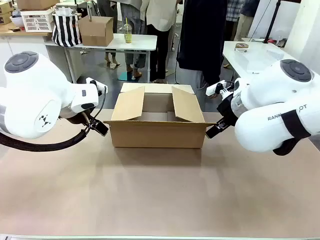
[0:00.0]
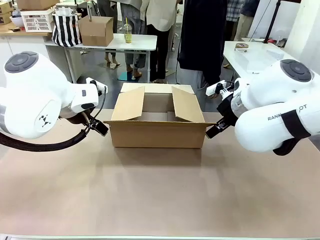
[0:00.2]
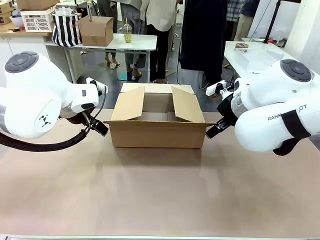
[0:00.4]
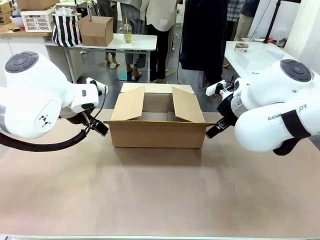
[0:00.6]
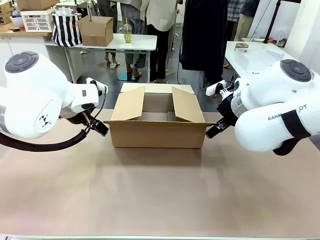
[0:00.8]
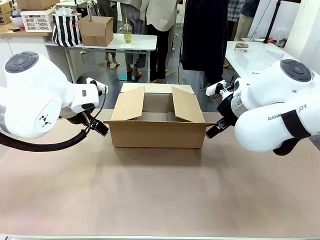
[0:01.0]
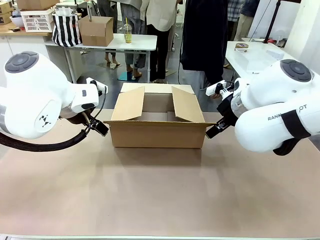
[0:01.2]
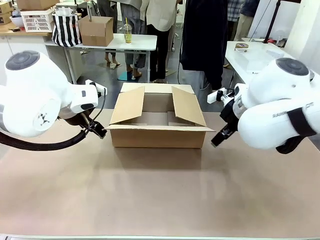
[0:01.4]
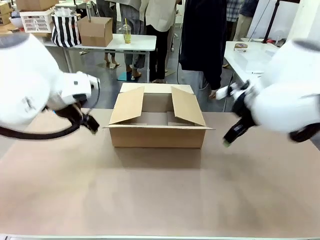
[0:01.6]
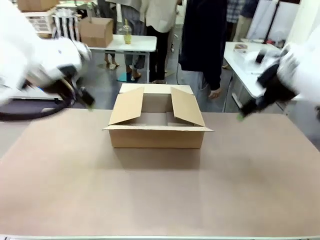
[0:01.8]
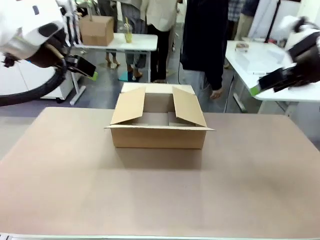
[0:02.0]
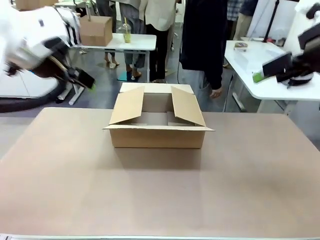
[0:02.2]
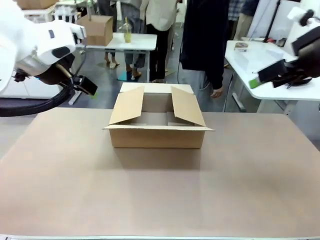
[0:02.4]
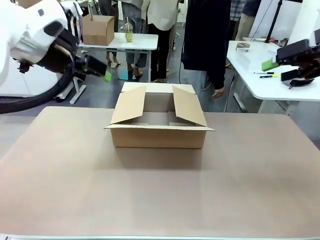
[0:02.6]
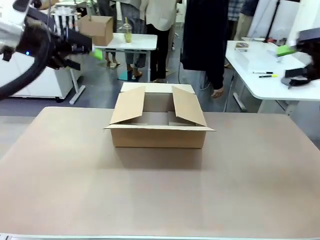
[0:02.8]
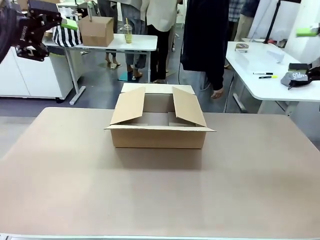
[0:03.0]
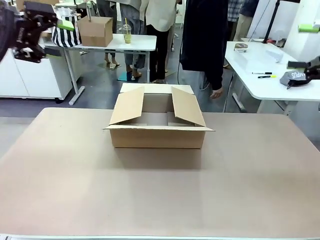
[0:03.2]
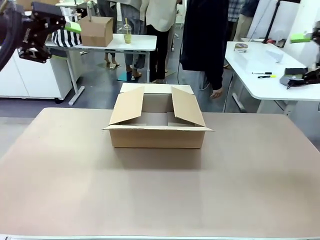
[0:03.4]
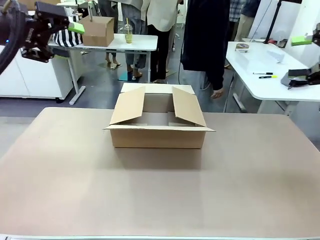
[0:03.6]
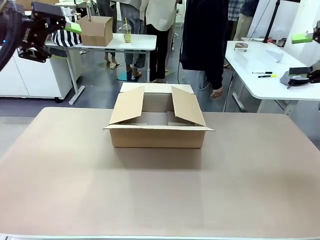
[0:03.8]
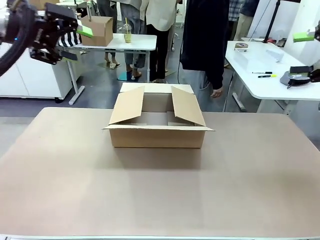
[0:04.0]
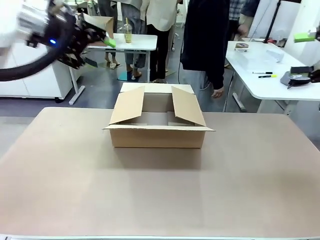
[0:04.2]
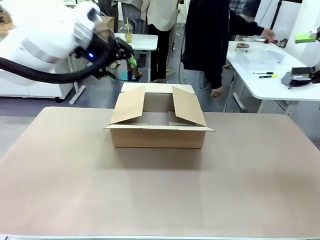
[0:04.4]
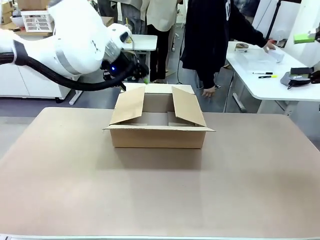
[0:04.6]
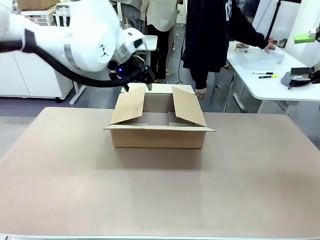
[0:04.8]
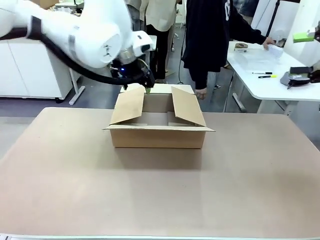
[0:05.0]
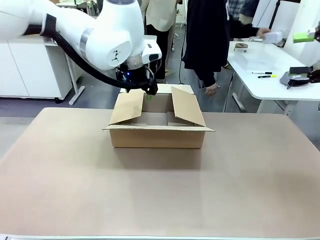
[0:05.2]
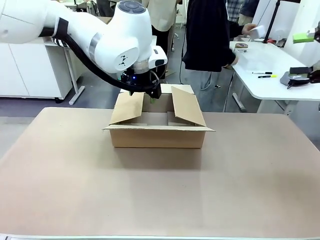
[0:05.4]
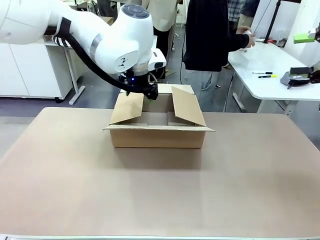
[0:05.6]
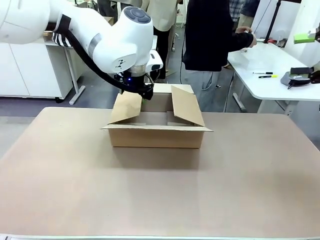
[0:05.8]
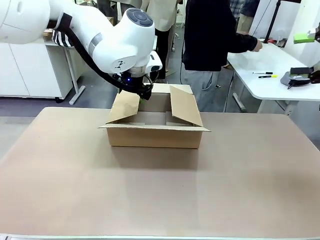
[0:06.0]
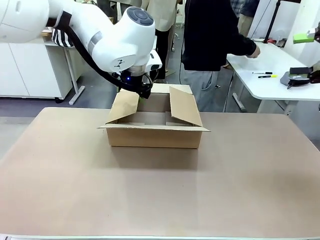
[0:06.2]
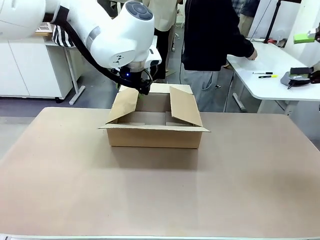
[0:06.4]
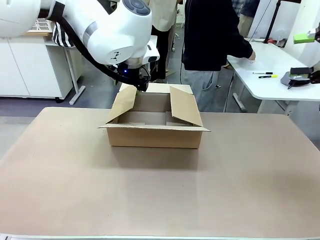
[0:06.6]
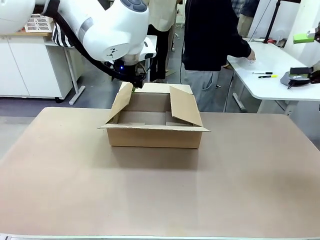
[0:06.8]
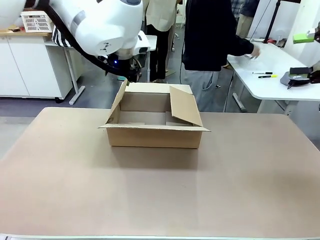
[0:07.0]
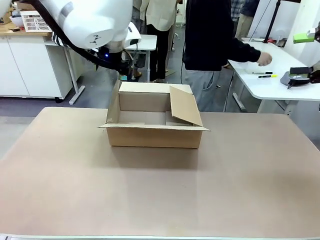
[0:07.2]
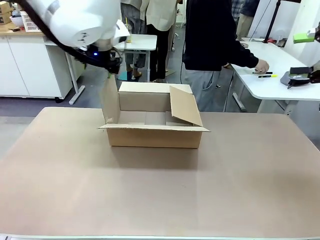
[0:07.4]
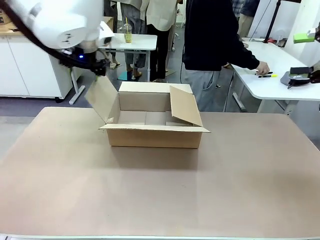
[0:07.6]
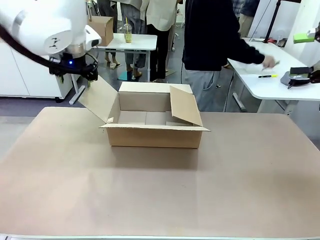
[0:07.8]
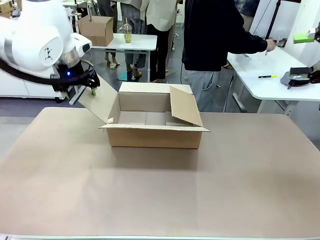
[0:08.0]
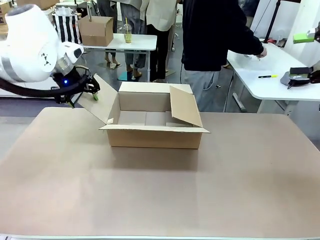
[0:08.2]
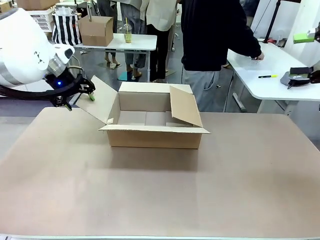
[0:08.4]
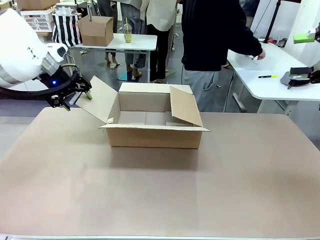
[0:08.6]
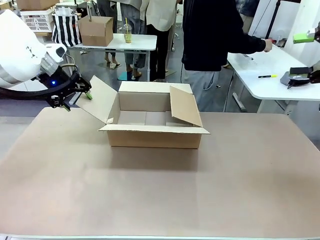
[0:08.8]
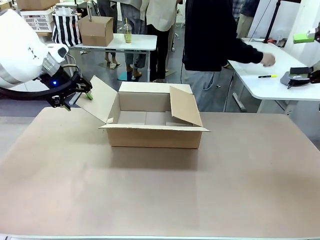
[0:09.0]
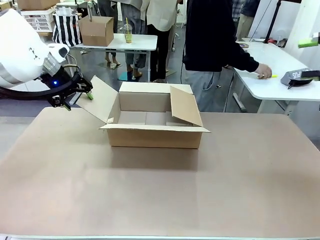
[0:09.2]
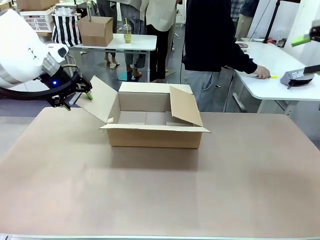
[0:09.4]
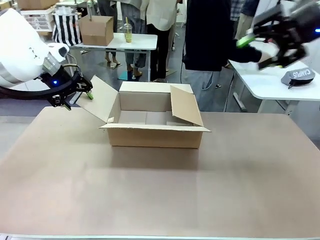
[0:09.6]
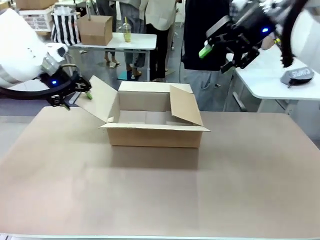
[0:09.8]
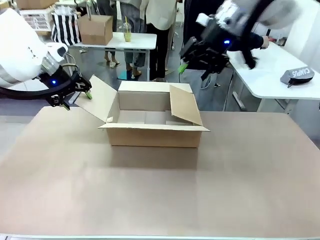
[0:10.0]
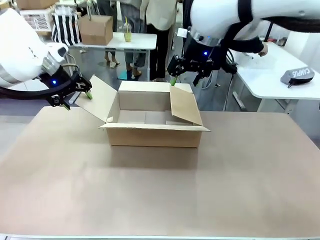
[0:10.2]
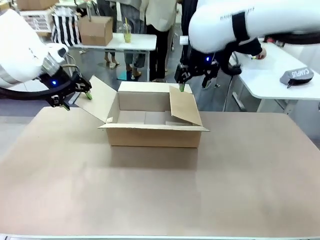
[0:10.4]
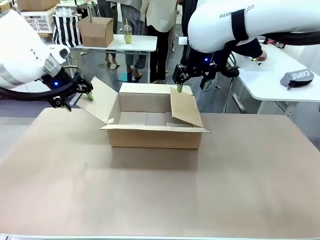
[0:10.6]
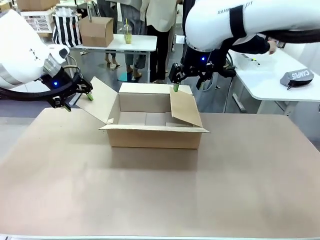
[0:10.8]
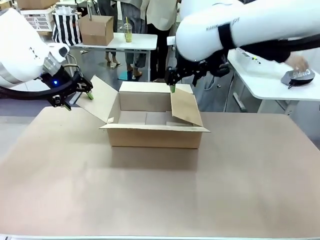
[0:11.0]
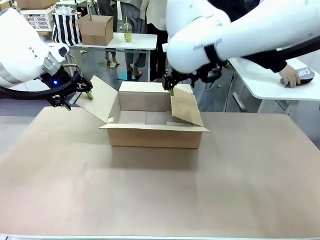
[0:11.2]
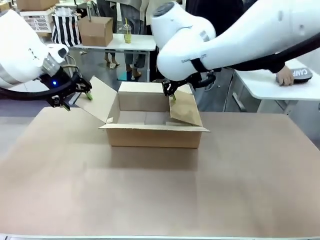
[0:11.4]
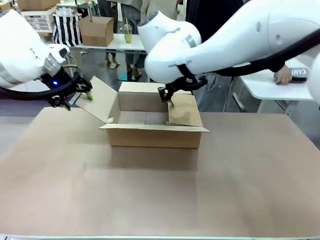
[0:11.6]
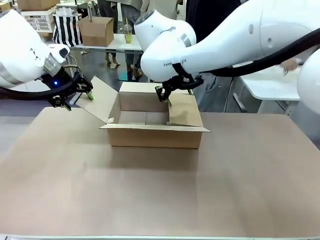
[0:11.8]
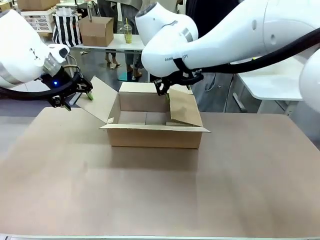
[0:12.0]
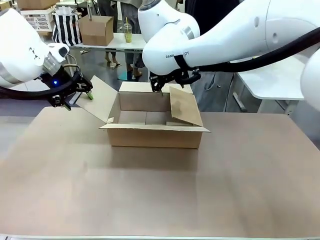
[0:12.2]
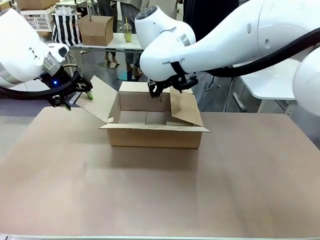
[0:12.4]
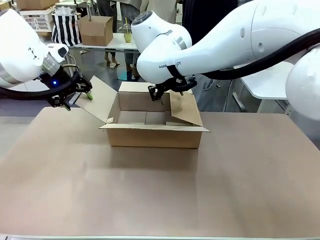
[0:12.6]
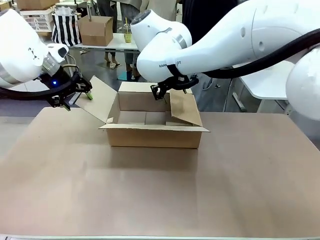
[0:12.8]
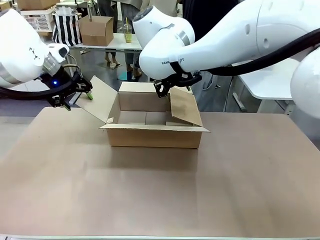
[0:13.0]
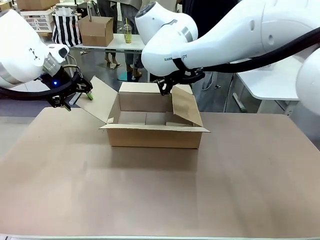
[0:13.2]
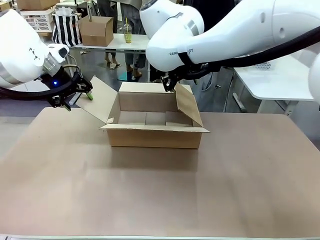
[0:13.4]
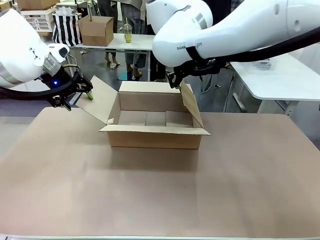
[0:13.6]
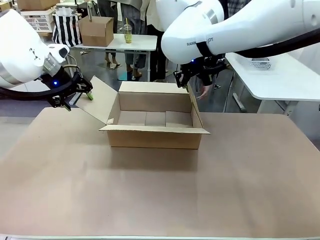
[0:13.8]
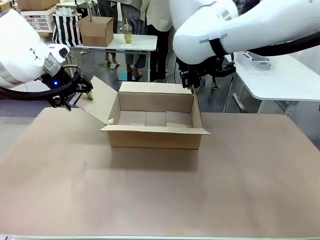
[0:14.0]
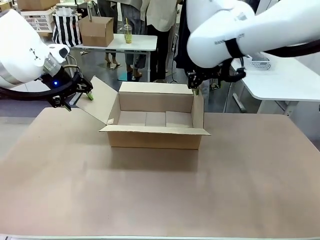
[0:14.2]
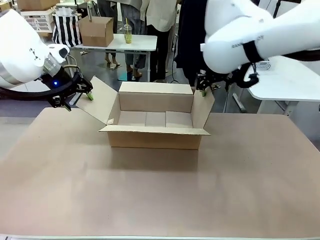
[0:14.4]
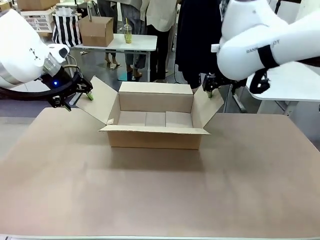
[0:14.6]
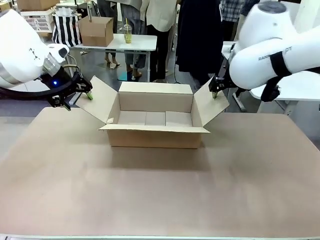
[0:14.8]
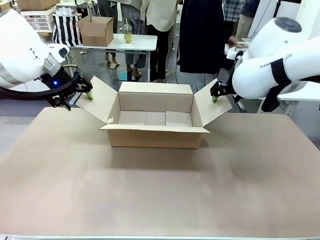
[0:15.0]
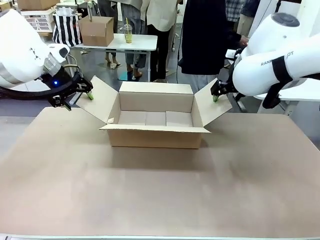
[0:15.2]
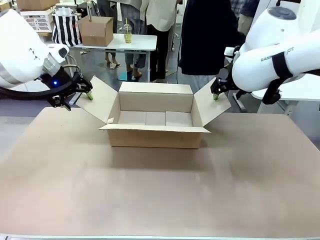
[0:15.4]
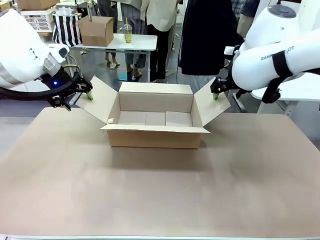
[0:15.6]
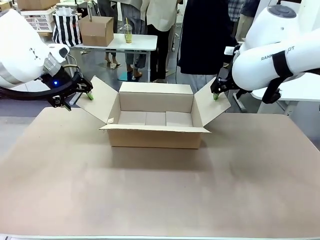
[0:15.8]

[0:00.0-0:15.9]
Task: Pack the gift set into the box.
Robot: Place both hands on the side flaps of the Package Box and spread them outward.
Person: The human places all items except the paper tape into the organizing basket.

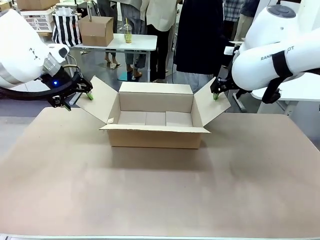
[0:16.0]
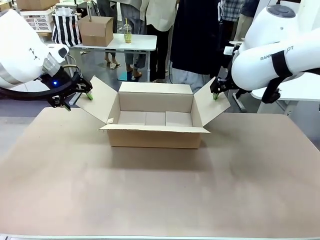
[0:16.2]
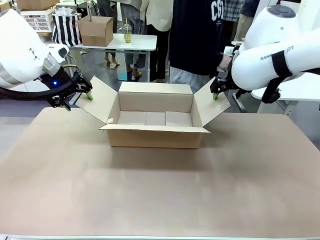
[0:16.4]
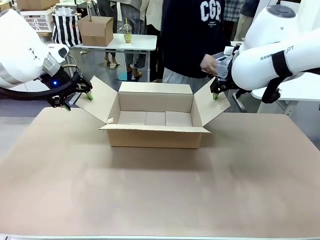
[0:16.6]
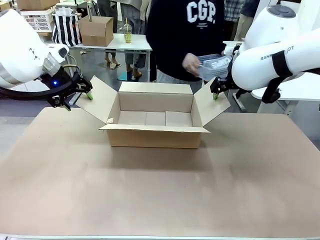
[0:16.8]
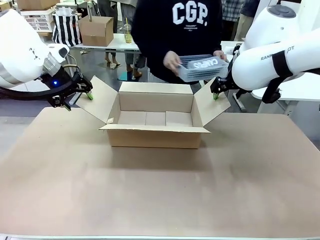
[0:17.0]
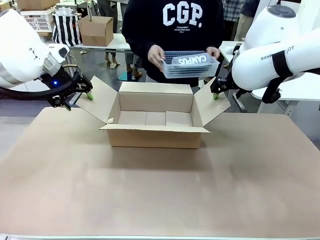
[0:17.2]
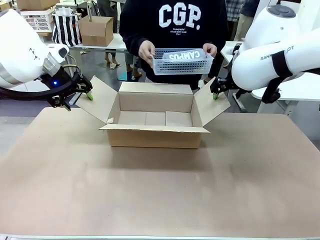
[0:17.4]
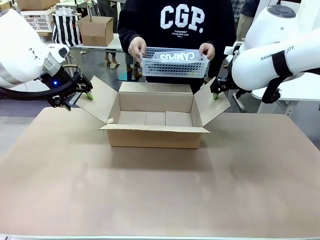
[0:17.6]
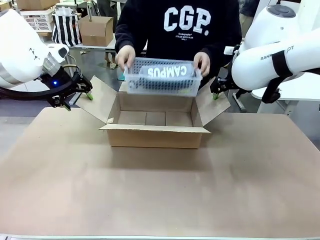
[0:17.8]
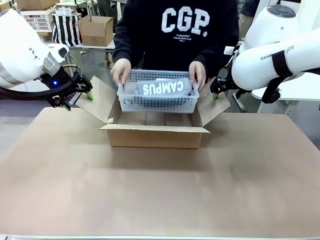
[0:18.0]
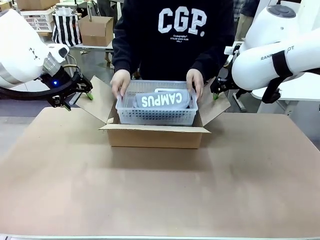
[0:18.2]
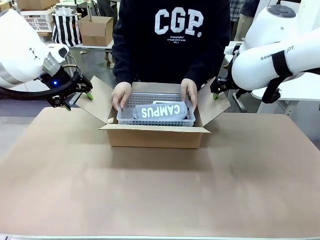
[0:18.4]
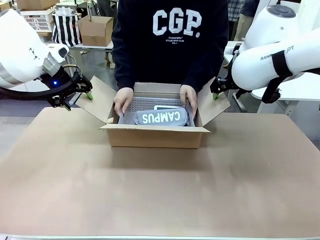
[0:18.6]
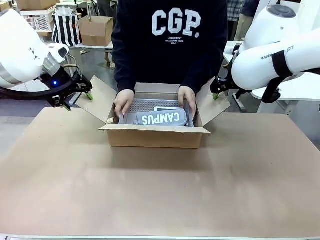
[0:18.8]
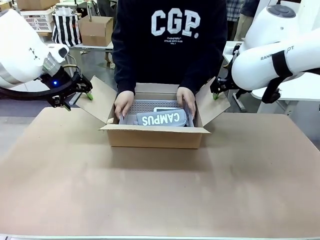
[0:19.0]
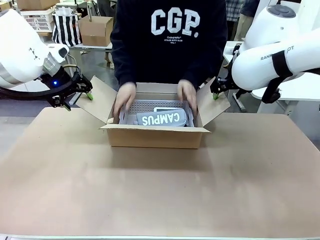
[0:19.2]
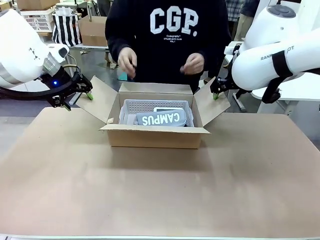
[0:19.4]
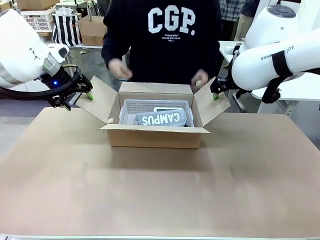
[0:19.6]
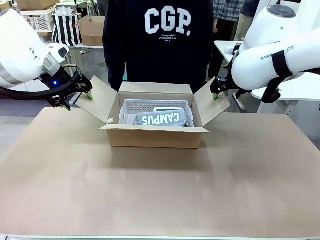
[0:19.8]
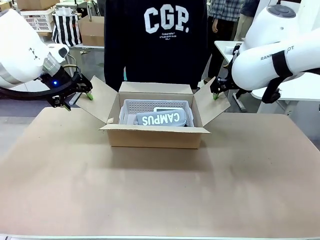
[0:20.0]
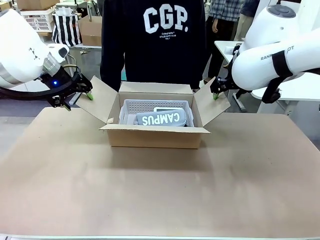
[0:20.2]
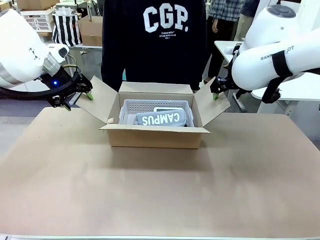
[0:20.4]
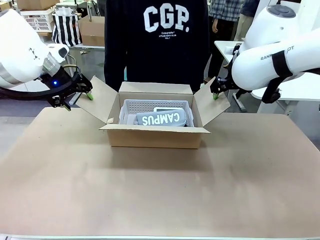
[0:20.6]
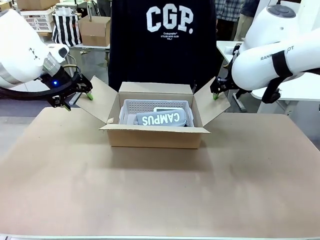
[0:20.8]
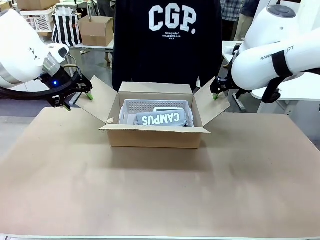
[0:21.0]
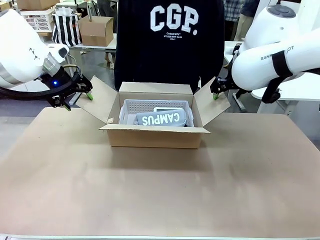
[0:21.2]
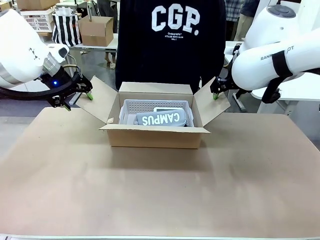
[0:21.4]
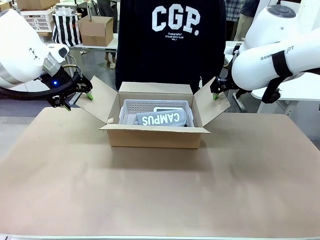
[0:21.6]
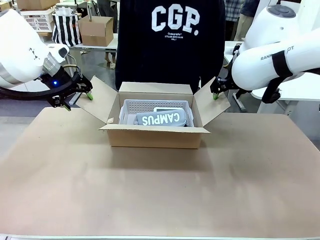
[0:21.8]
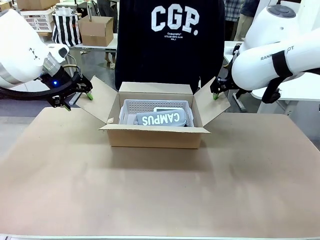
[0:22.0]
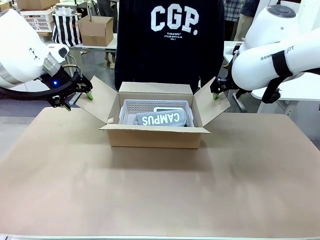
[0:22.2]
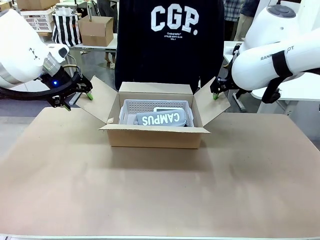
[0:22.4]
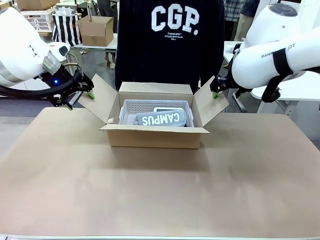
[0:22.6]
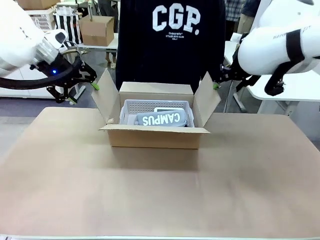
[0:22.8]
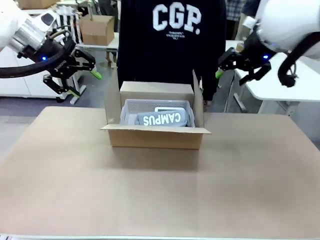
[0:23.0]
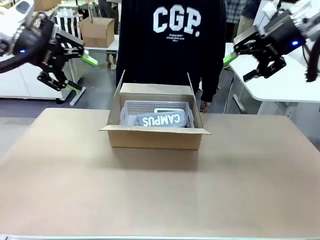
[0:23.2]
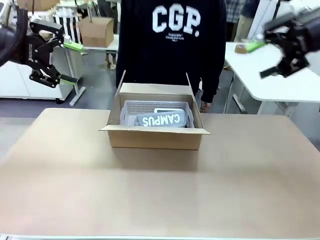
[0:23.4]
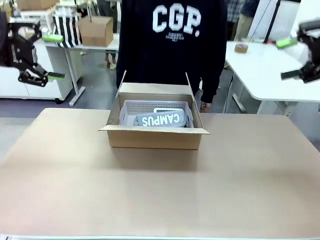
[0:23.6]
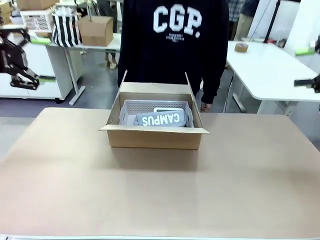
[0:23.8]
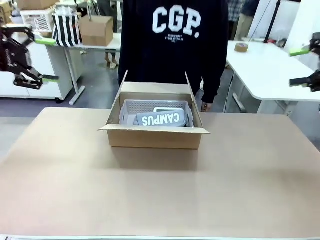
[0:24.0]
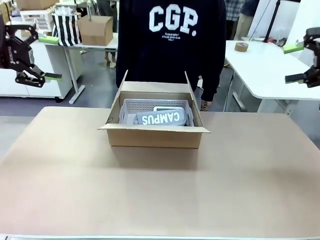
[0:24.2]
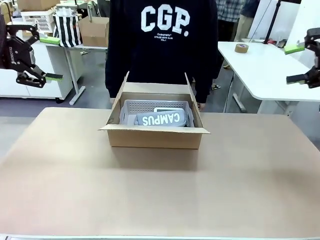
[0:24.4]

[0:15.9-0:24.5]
Robot: Lift both hands away from the flaps of the Package Box.
Person: The human picks up the organizing basket and places the organizing basket into the package box on the robot table.
